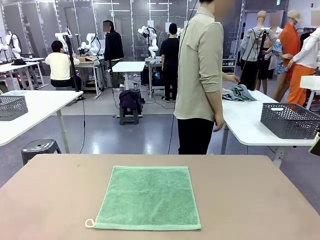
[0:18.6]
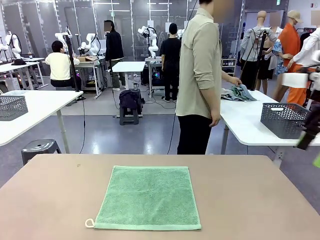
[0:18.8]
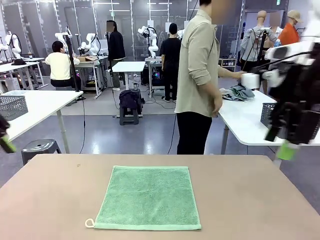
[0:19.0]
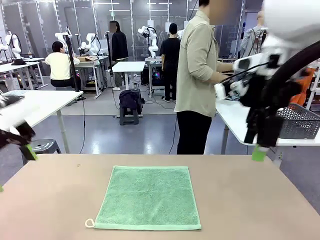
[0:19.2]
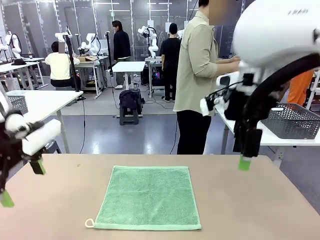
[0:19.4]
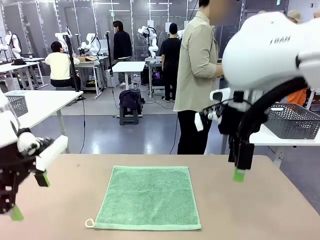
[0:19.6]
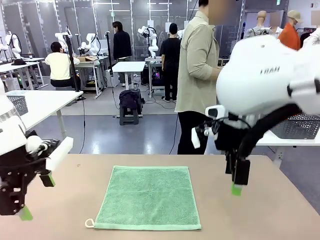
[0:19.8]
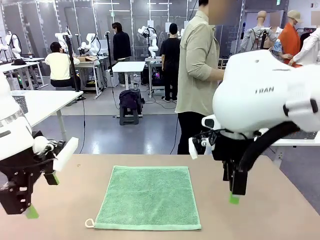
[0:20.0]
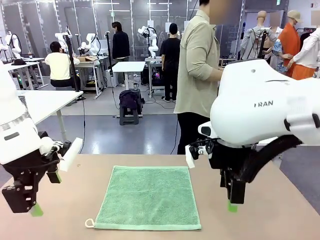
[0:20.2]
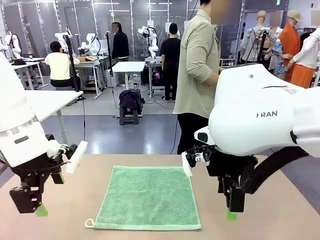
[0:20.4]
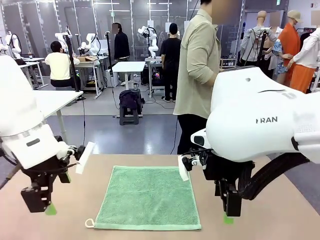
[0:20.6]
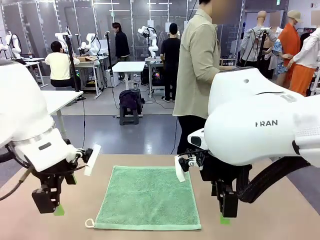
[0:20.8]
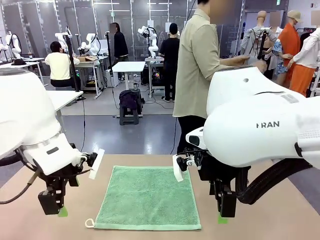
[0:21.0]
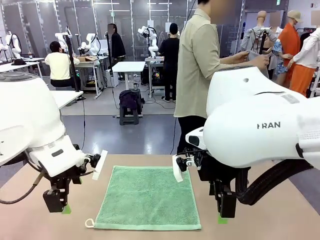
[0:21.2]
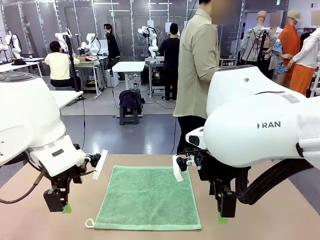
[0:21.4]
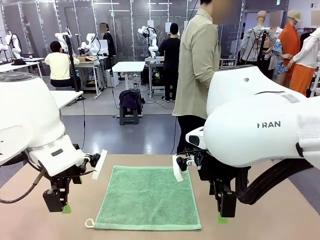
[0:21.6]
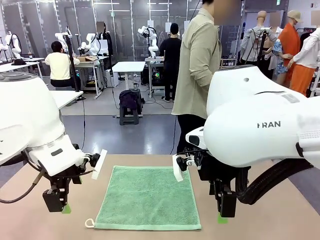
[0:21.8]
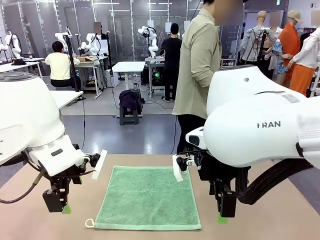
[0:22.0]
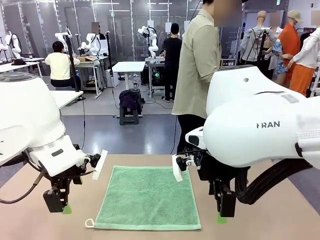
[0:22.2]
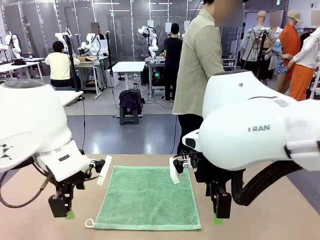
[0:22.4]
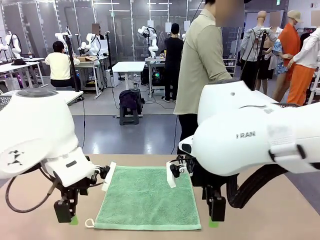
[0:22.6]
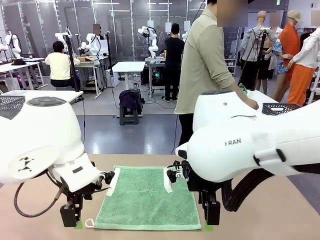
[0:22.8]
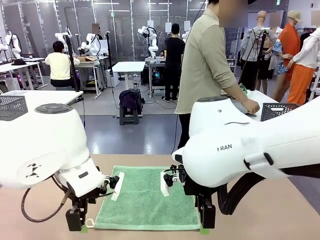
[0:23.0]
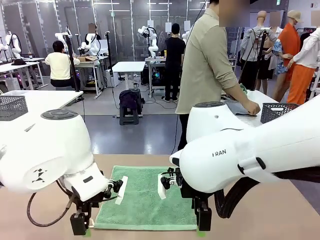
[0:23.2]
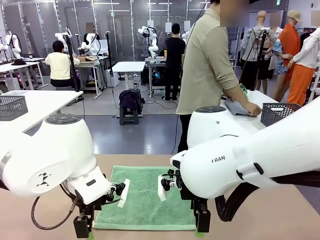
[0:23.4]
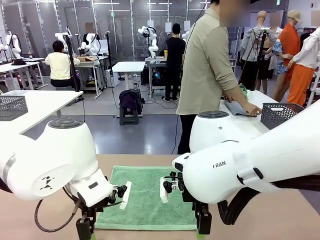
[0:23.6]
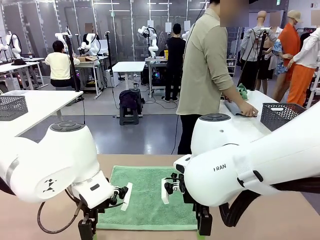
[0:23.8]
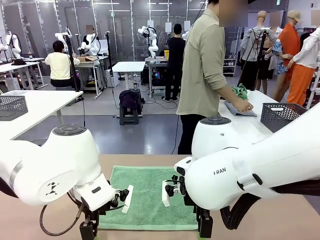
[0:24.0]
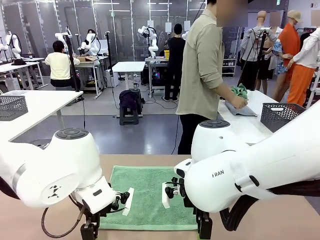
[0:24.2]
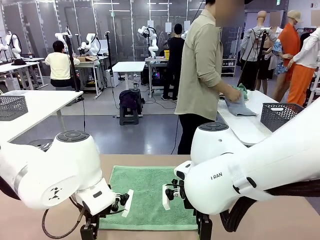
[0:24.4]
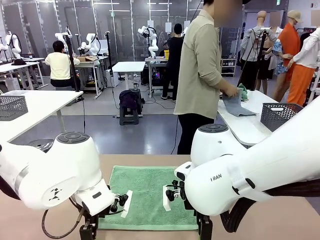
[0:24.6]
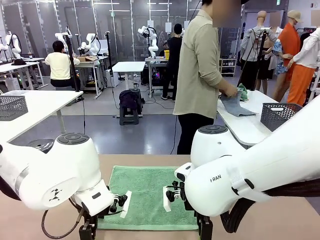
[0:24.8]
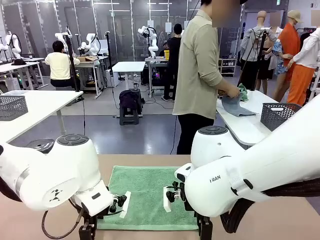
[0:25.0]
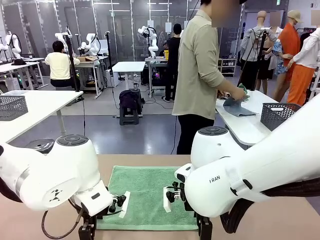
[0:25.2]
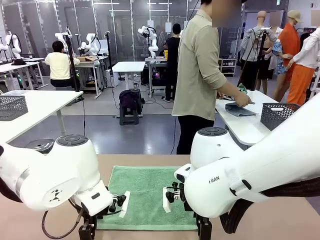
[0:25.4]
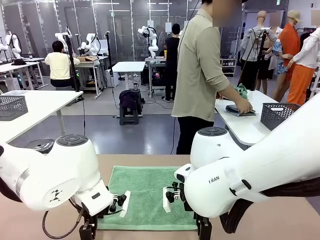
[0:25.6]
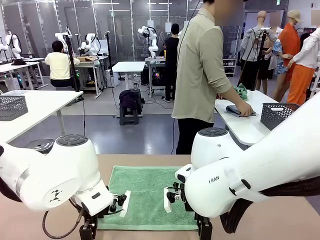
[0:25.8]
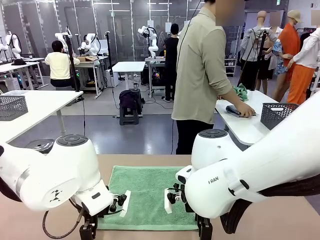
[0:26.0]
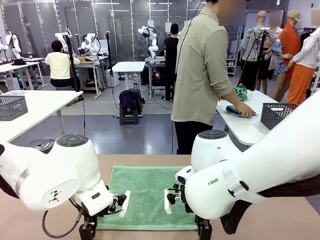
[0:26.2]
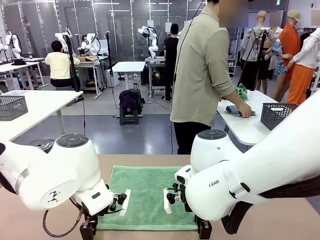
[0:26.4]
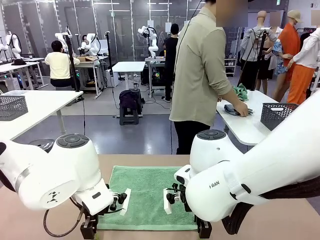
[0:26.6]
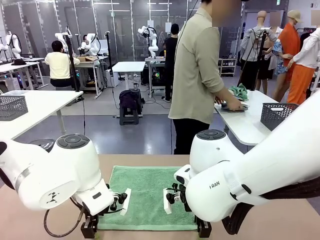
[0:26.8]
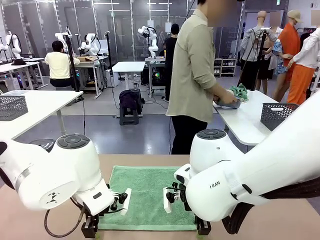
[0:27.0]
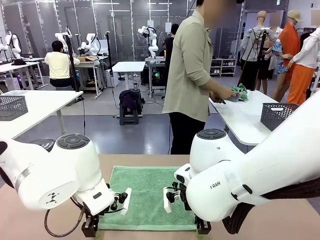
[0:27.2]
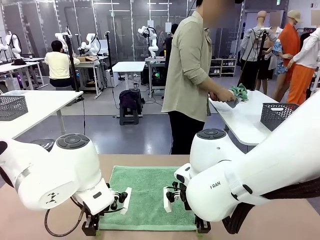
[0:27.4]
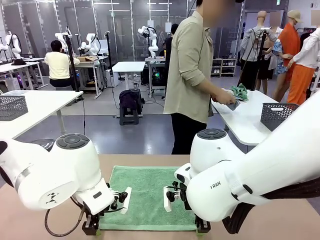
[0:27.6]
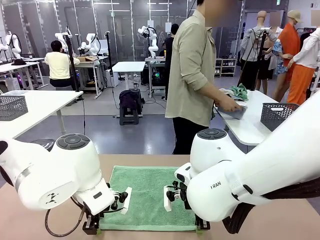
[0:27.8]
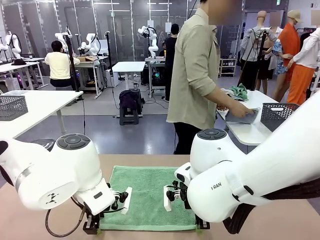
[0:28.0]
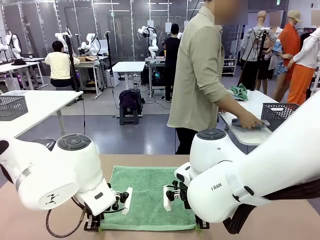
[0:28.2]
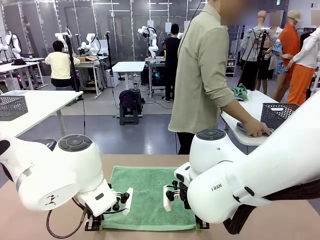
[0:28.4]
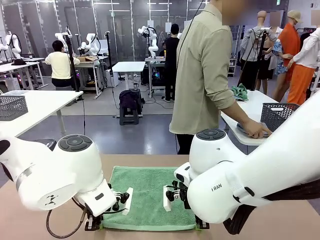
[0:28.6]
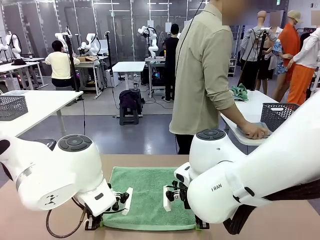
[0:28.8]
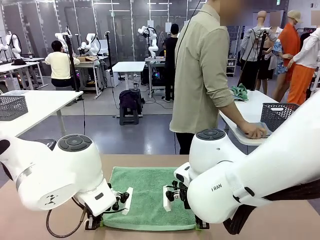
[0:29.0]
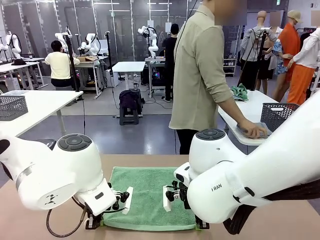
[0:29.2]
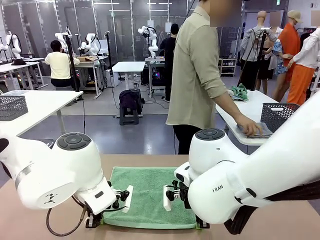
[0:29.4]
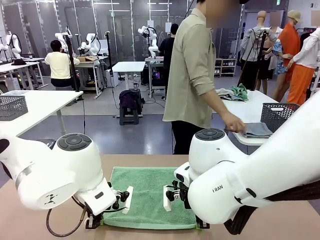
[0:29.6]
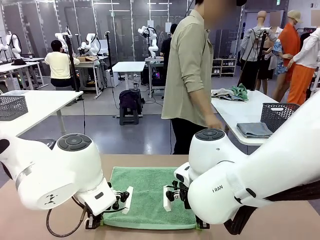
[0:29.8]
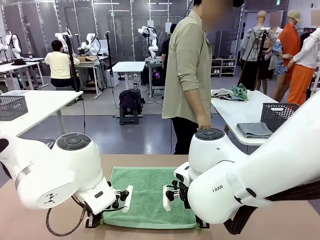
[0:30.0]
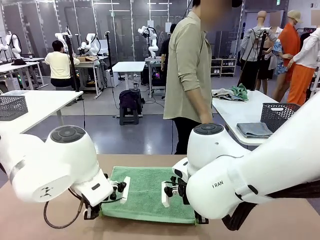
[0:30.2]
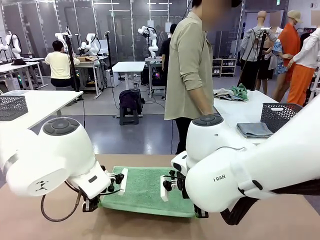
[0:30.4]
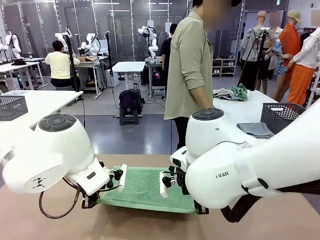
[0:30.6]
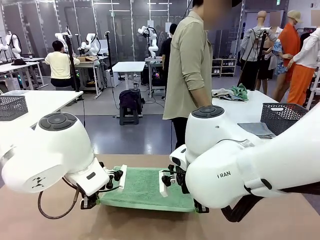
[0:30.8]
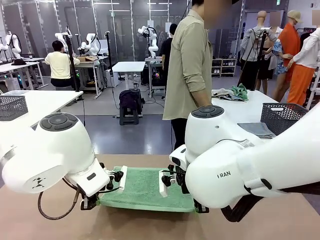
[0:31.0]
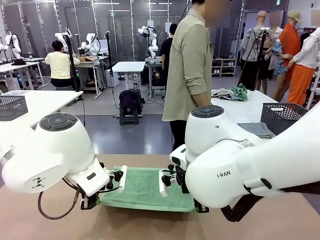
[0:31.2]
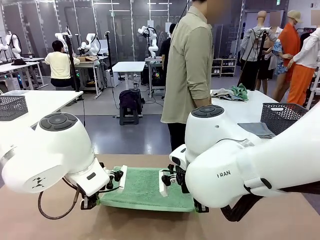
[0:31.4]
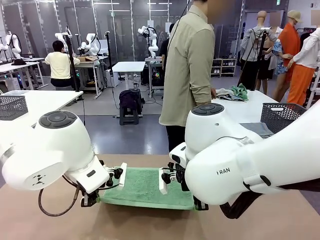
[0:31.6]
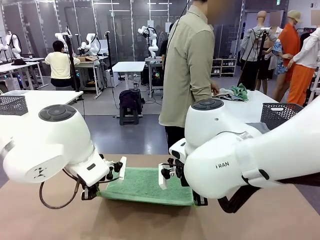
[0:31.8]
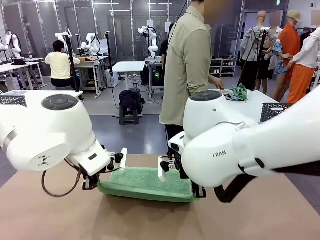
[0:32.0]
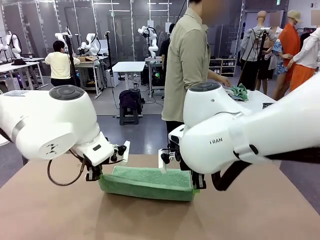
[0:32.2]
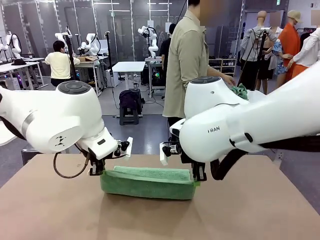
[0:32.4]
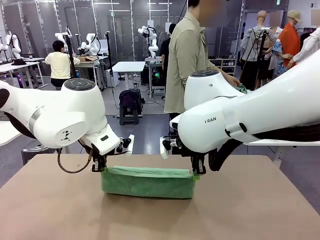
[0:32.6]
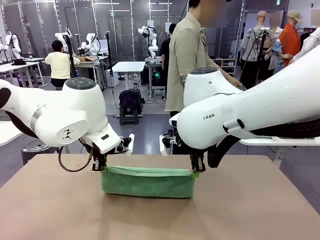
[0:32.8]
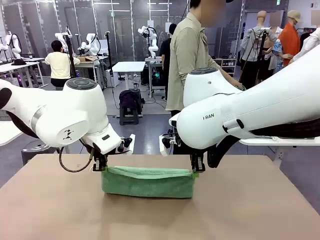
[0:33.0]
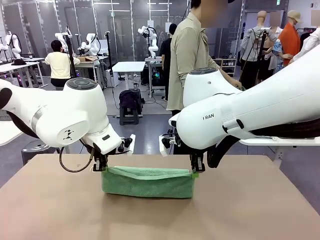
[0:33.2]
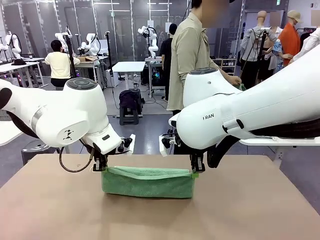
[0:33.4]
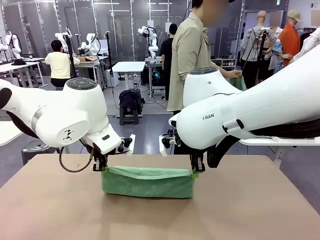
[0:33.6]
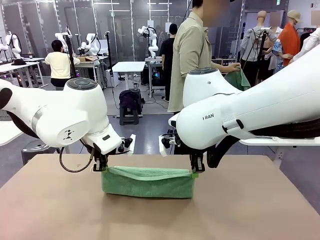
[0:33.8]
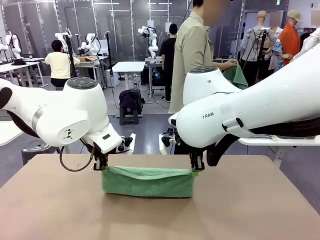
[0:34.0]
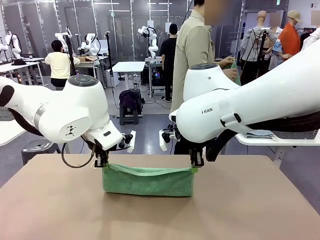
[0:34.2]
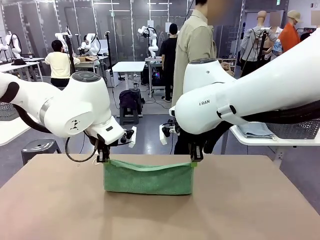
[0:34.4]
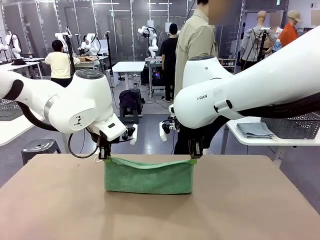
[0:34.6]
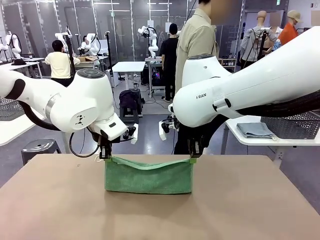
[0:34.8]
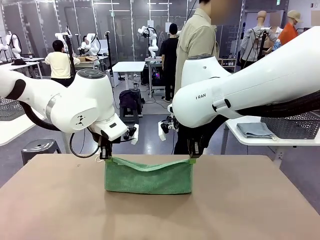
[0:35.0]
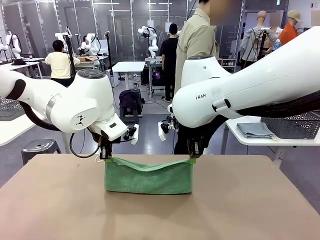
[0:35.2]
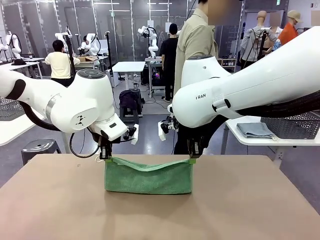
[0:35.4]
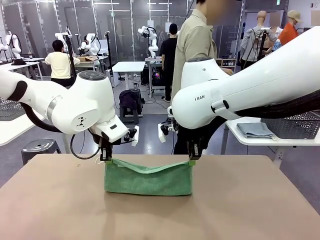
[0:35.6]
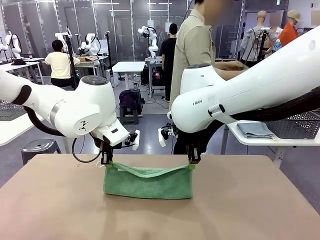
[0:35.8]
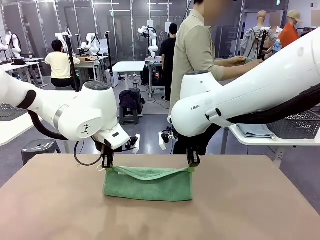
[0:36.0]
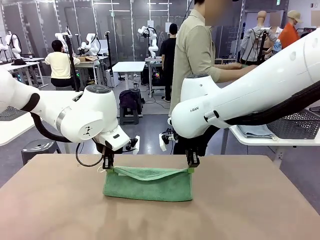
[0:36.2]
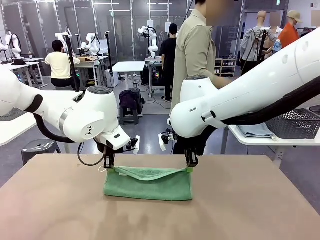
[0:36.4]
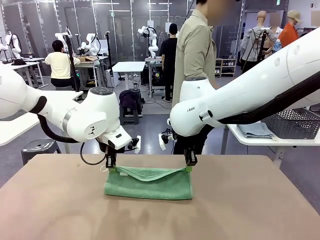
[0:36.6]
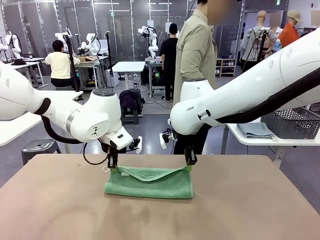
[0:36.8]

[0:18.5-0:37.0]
Task: Fold the towels and place them in the basket.
Robot: When a person lays out a Towel with hook on the table, fold it in half twice.
Person: Pick up one towel from the left side of the human table, fold it in half twice, and place it on the right side of the table.
